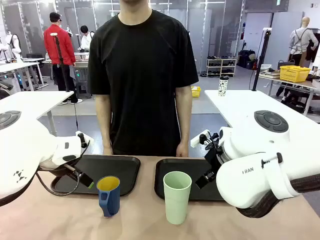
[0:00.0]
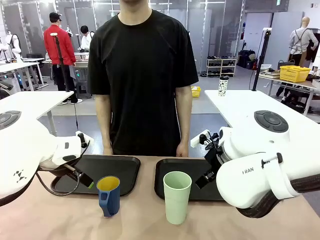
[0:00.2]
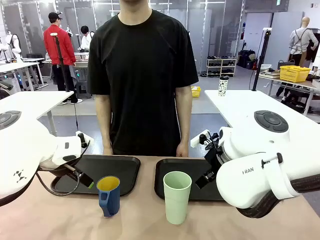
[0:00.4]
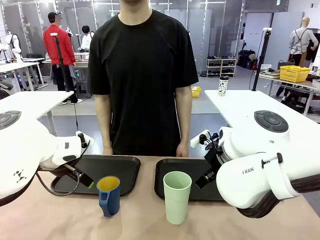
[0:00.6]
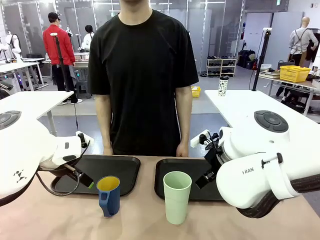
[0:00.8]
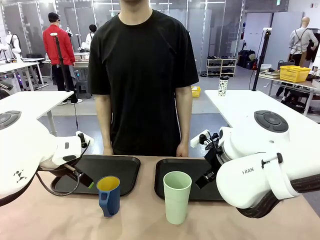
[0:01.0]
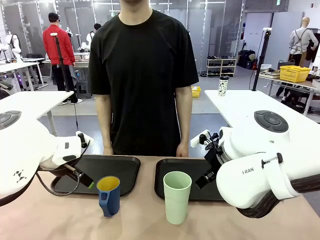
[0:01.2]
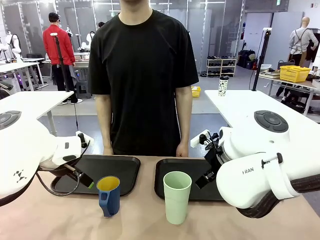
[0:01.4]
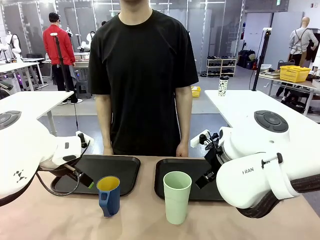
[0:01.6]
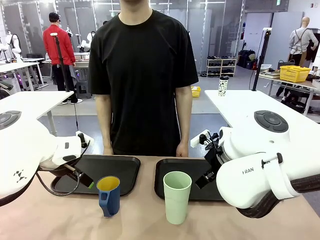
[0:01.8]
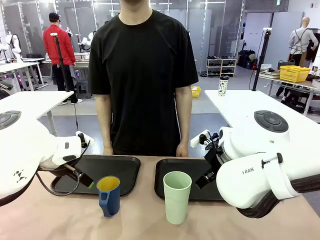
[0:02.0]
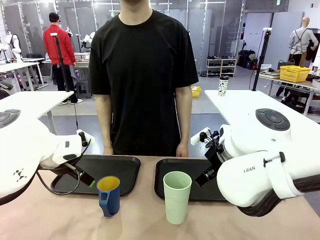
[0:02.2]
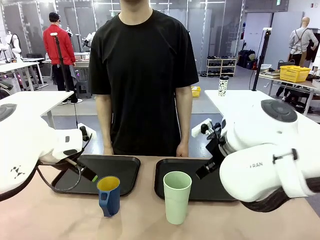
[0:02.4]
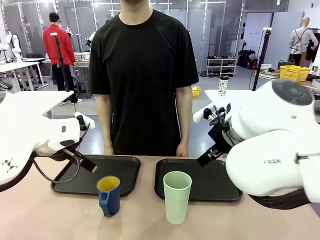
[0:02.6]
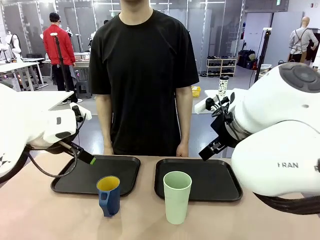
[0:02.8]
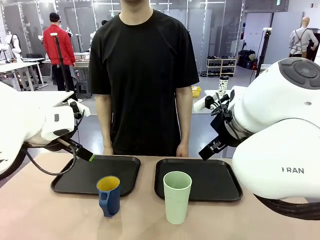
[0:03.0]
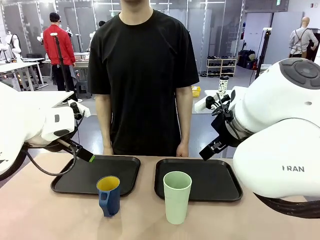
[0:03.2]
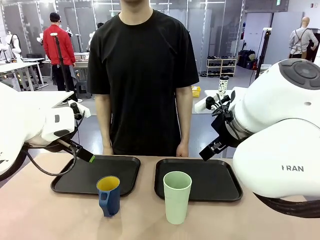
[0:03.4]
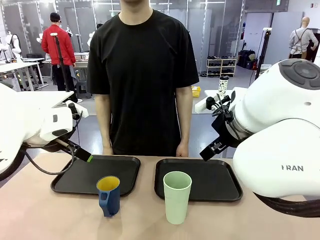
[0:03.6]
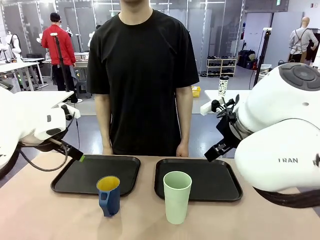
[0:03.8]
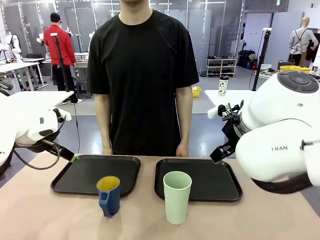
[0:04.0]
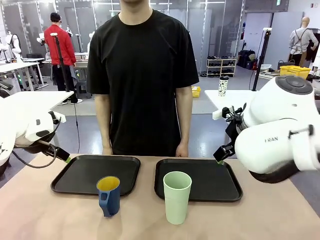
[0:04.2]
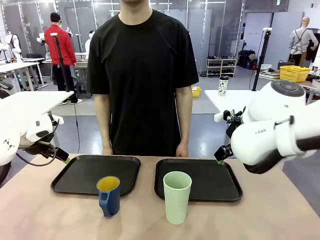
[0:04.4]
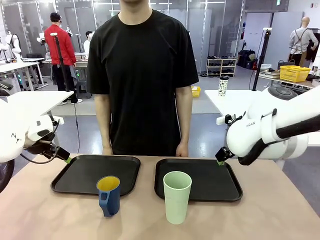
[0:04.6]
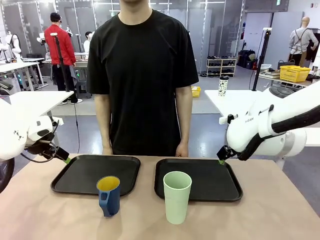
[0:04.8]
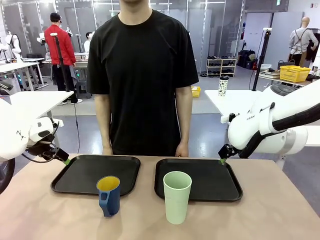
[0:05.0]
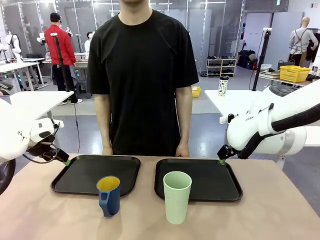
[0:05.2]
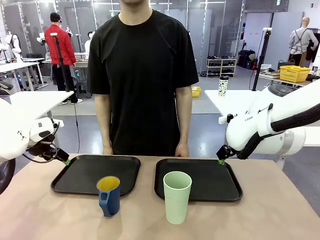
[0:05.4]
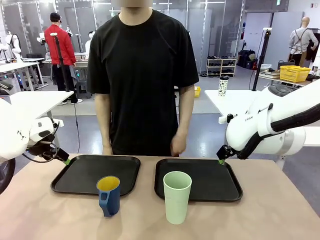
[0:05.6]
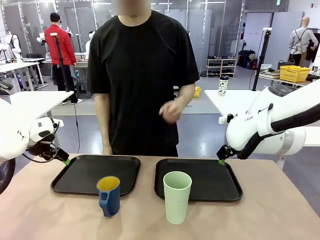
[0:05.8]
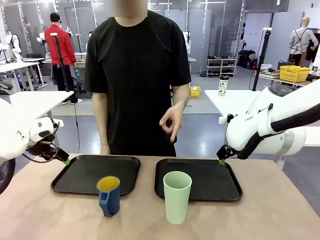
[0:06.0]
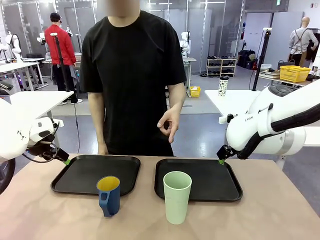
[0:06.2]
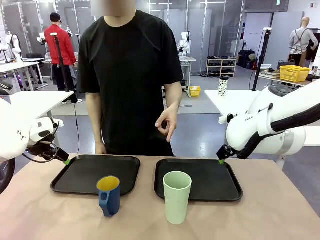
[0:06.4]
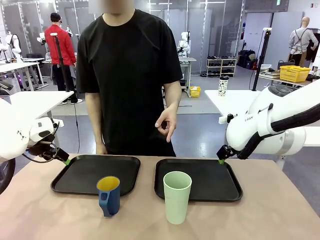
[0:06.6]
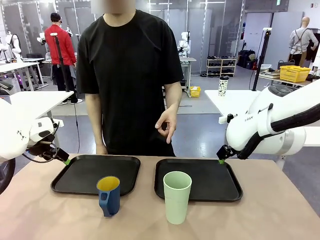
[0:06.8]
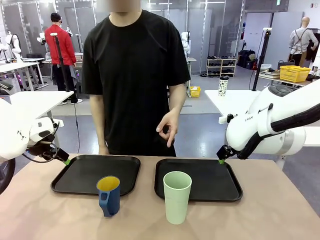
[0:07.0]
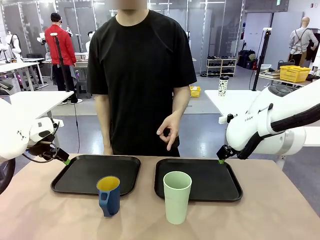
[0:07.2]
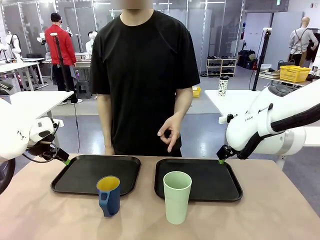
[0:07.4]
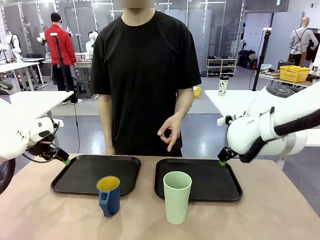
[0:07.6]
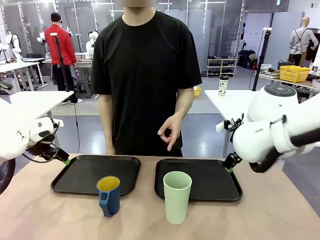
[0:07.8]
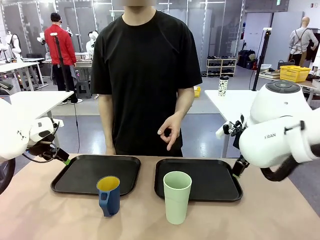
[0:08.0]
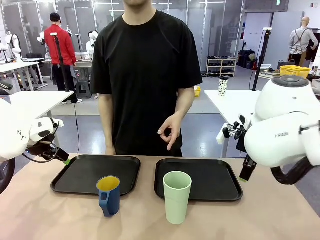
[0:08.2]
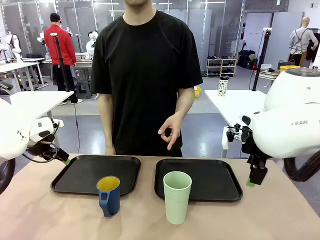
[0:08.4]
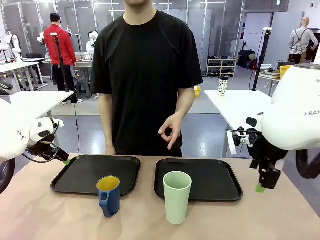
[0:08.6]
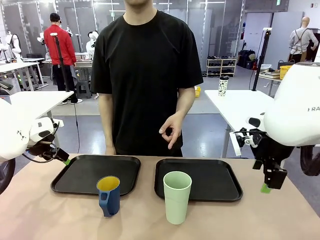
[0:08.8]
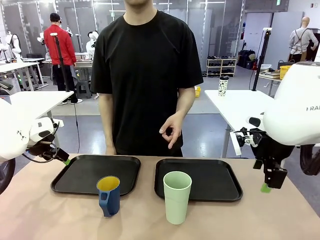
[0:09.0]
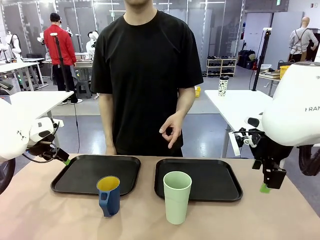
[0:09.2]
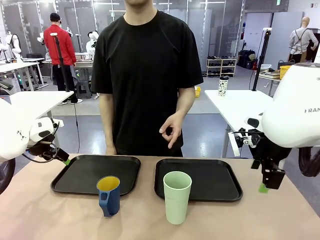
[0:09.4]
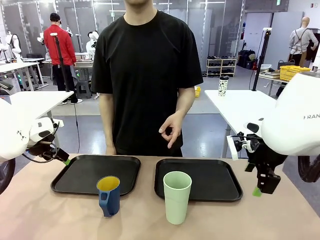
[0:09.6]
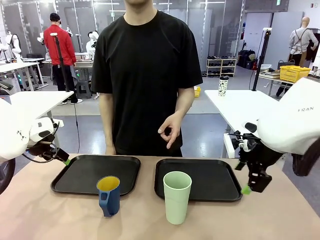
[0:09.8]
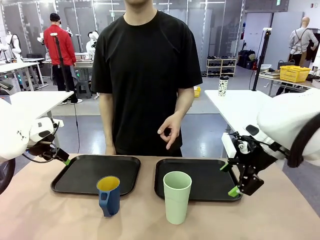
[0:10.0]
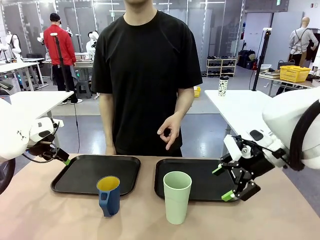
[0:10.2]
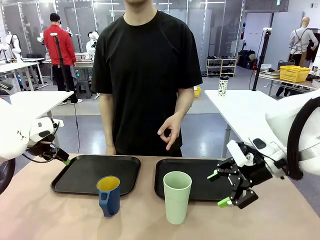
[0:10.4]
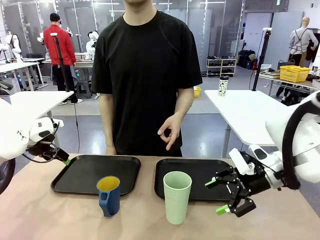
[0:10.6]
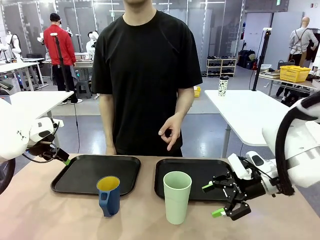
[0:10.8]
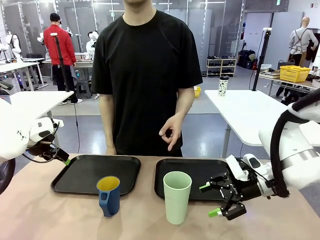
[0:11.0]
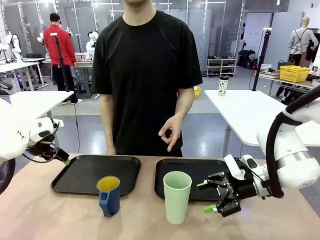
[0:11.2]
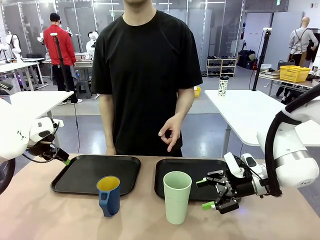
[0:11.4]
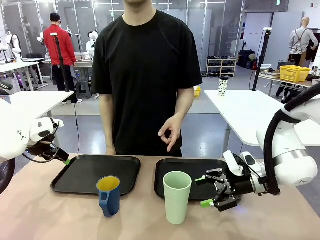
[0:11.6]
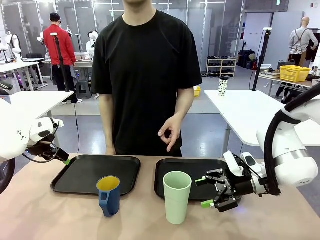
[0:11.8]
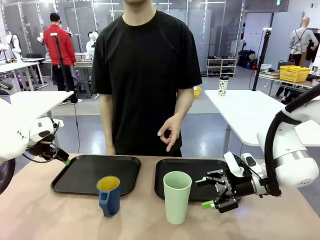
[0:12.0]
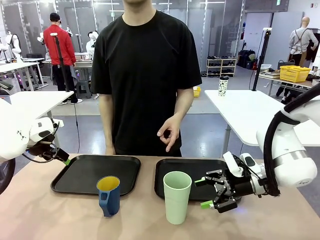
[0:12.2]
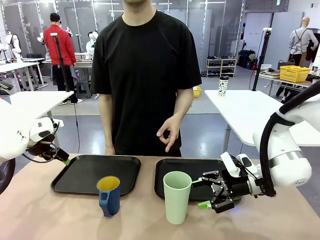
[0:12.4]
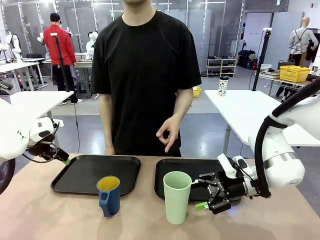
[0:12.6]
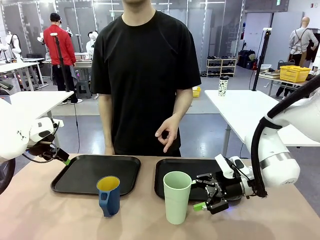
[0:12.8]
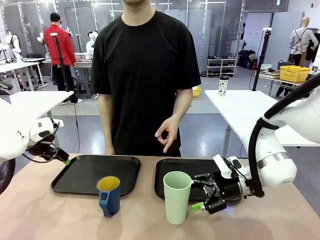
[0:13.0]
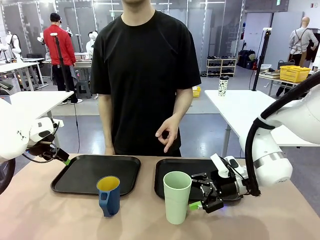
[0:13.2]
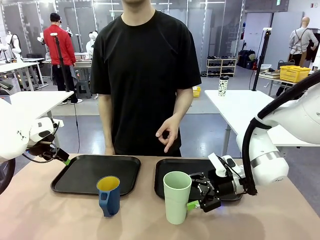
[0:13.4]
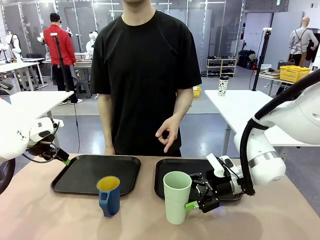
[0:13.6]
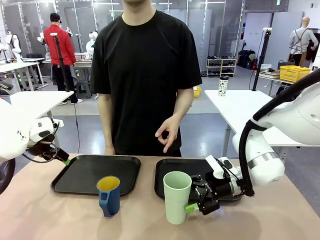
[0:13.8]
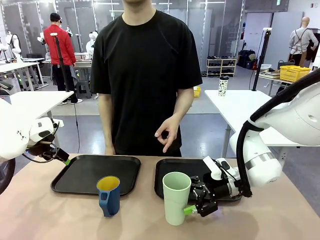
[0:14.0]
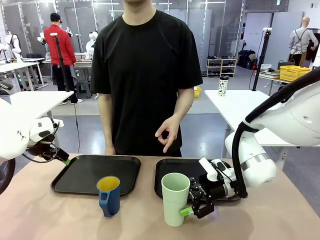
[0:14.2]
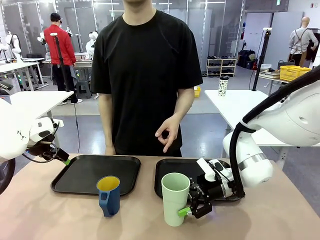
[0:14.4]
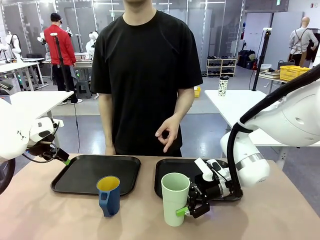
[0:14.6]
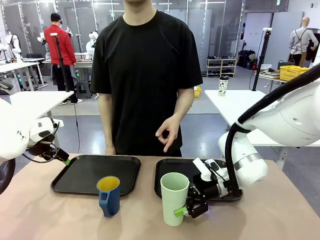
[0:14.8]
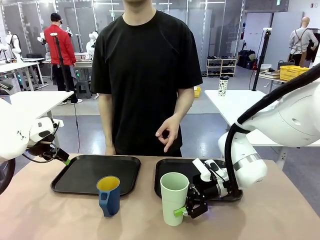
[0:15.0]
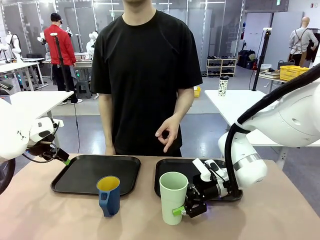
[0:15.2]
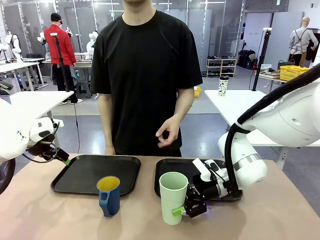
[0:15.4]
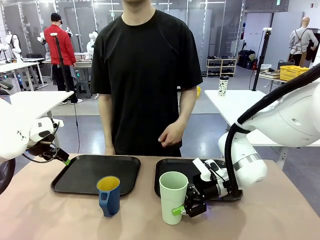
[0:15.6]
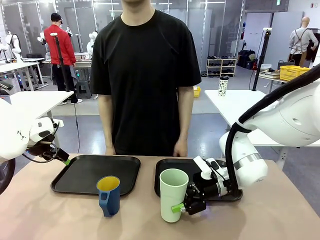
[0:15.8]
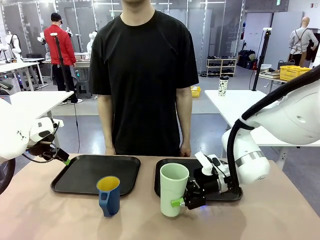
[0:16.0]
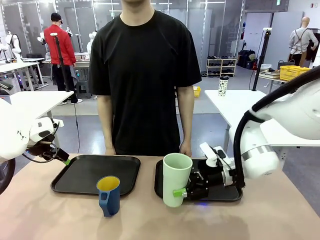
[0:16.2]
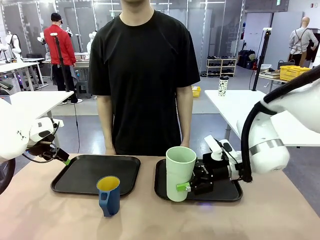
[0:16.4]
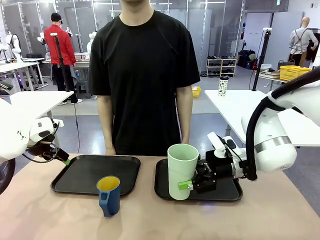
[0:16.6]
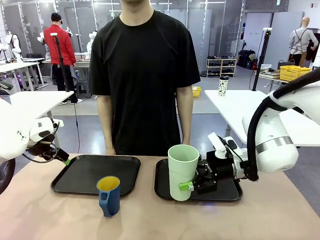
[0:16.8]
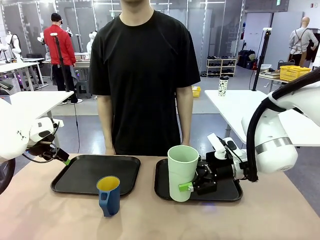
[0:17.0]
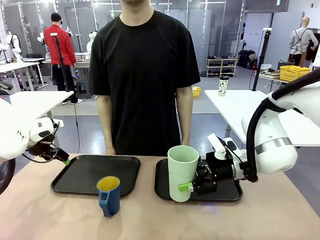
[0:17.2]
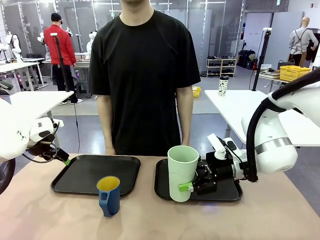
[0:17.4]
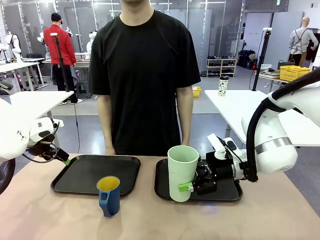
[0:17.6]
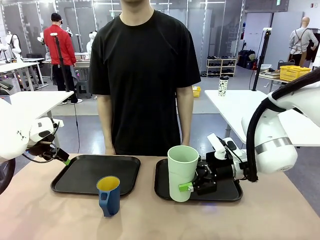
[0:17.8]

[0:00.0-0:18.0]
Task: Sort and store the cups by type.
Robot: Pick up the Reusable plastic cup.
Person: Points to the reusable cup. Point to one of the two trays.

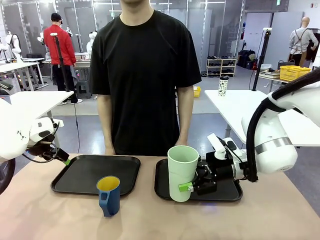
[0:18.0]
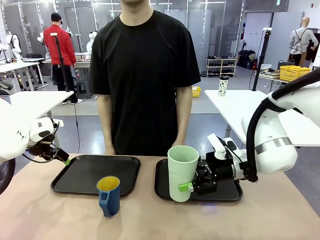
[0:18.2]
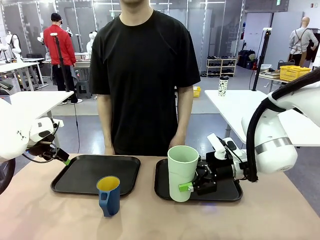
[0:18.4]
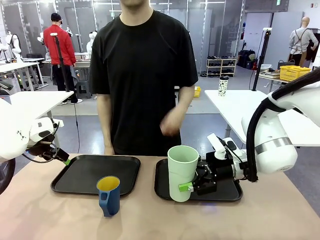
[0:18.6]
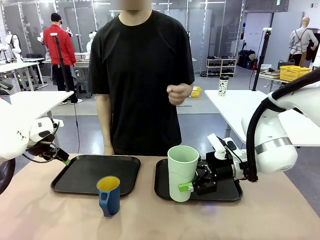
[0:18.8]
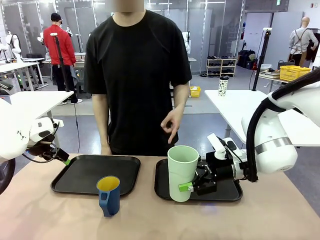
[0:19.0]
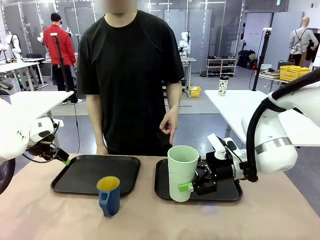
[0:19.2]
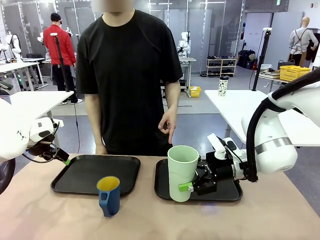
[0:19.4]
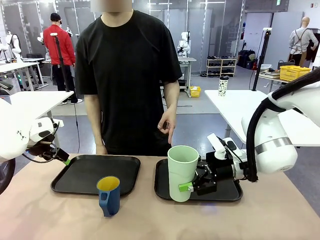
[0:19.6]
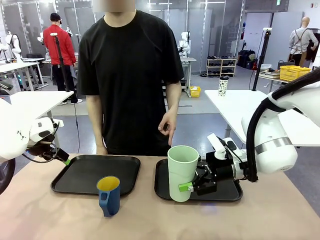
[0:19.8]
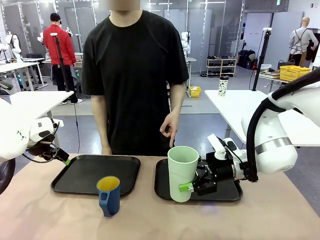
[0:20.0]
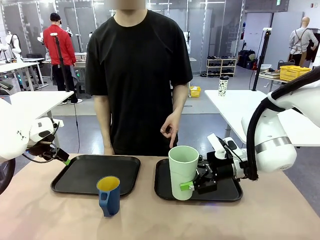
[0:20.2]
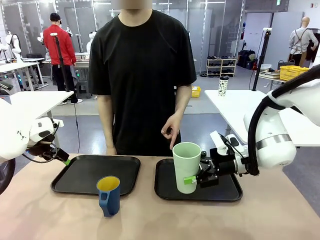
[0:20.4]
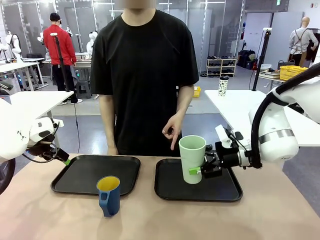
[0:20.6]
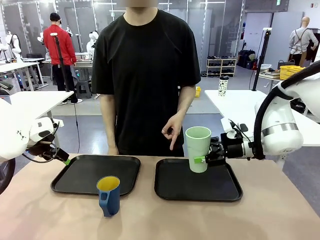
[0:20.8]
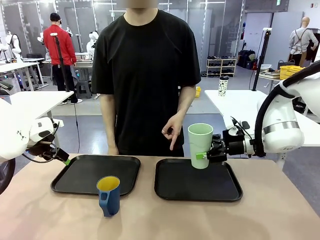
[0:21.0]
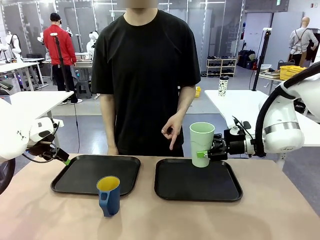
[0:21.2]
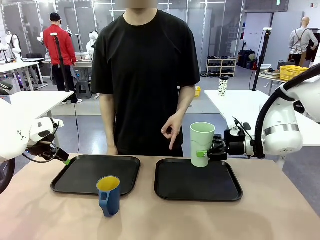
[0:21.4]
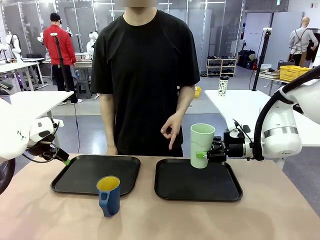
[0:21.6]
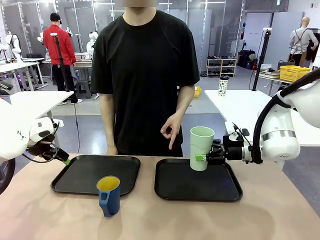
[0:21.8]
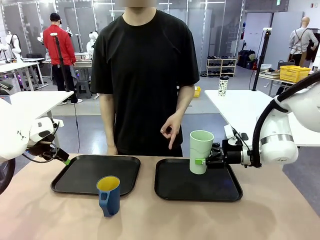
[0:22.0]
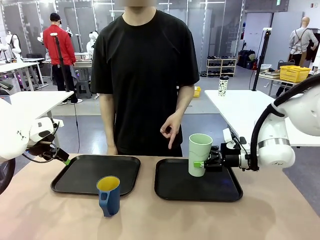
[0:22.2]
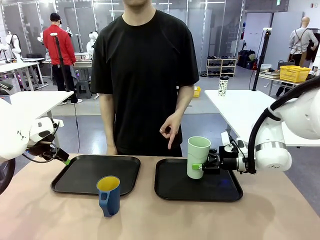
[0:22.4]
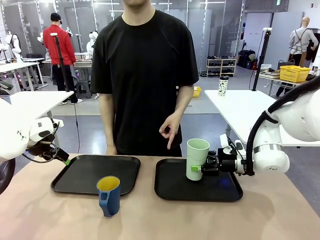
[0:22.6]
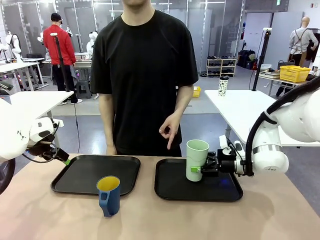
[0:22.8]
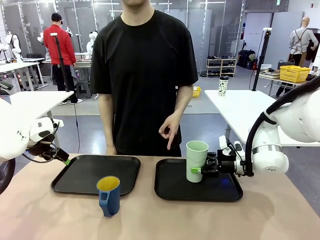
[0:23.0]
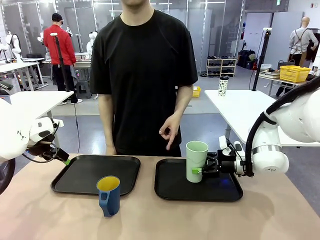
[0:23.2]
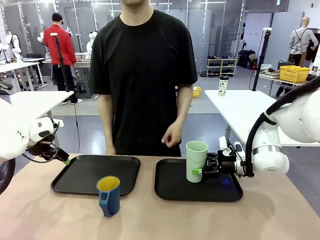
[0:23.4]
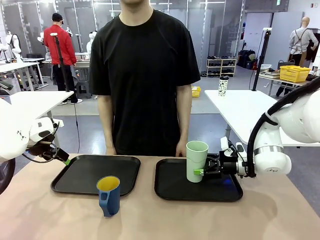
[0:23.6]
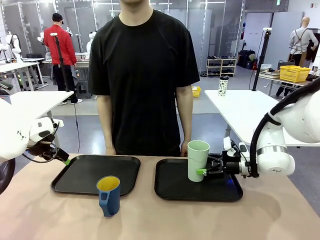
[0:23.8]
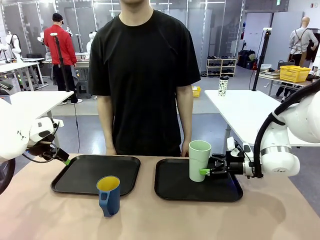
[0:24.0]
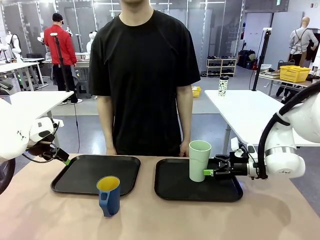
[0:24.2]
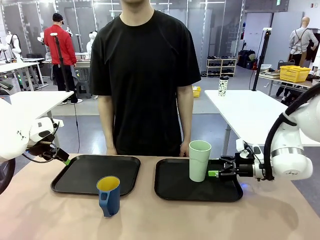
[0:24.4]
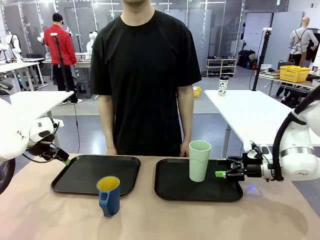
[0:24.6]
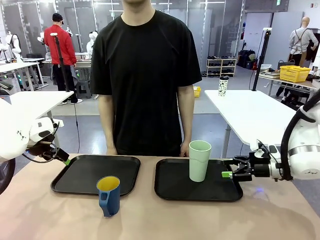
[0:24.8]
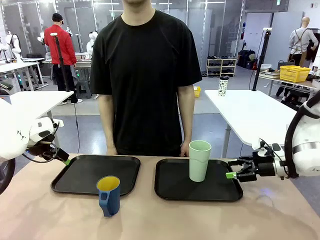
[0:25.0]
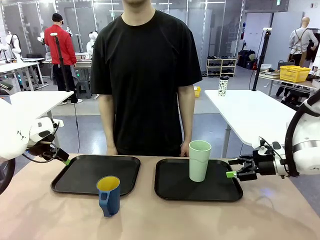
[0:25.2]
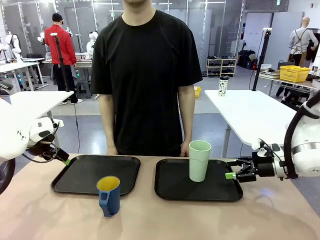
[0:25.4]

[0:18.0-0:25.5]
Robot: Place the picked Reusable plastic cup into the Flat Tray indicated by the person.
